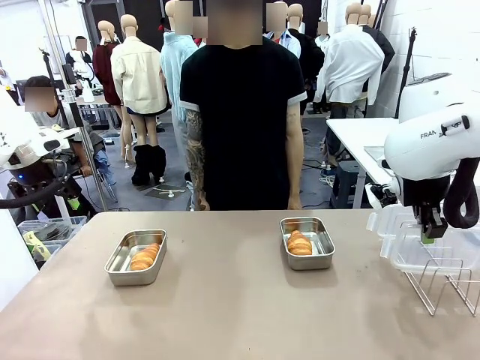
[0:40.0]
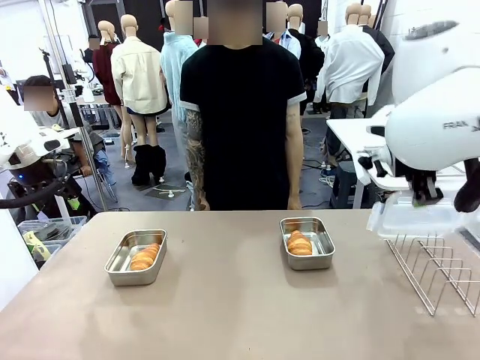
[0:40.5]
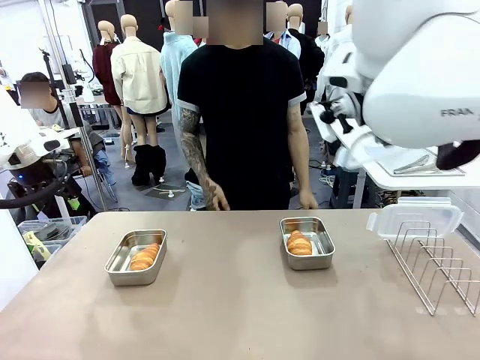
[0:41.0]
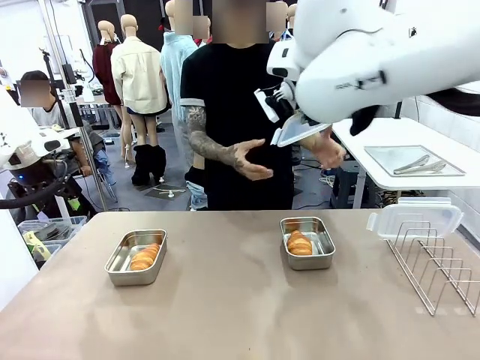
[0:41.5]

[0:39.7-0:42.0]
Task: Place the bread in airtight containers.
Robot: Release when the human grabs the Airtight Container lid.

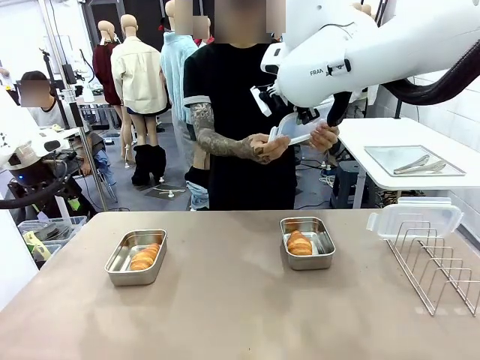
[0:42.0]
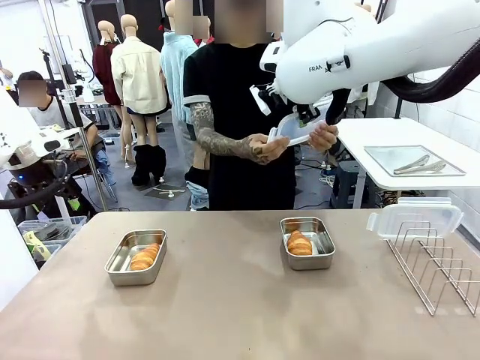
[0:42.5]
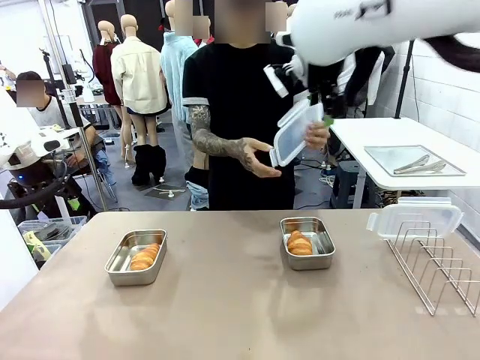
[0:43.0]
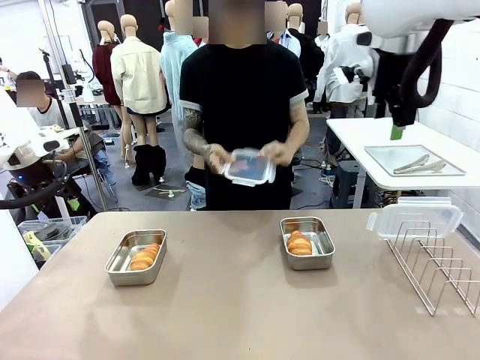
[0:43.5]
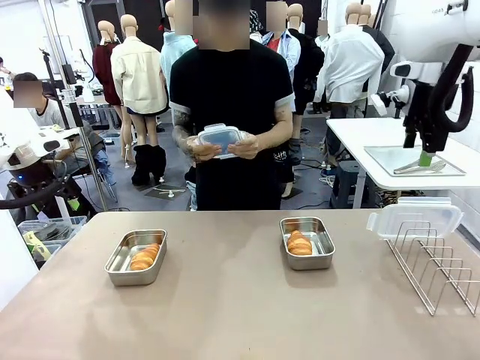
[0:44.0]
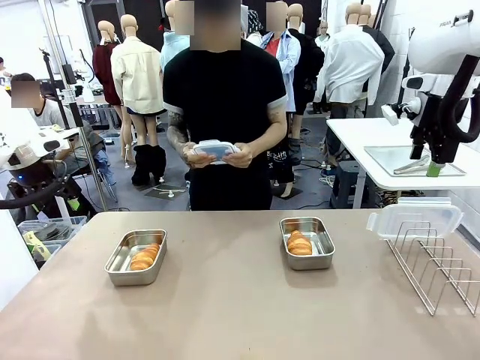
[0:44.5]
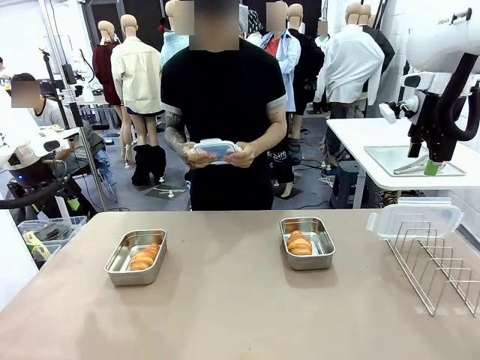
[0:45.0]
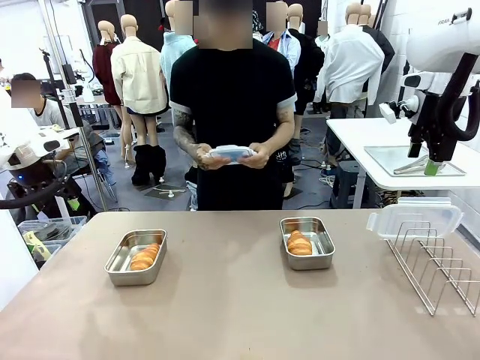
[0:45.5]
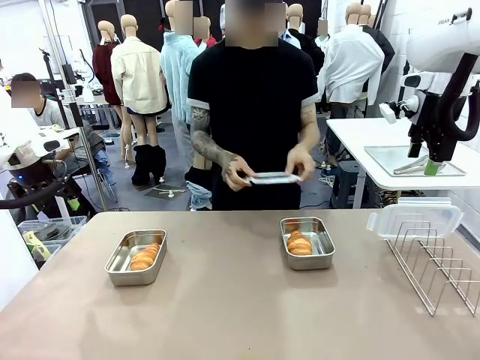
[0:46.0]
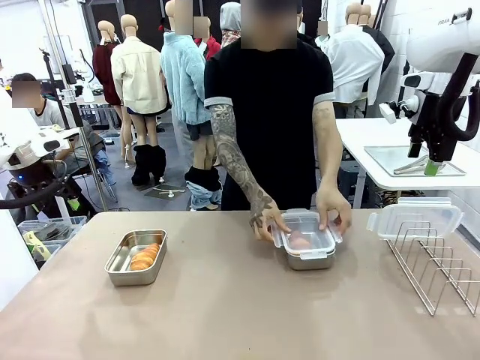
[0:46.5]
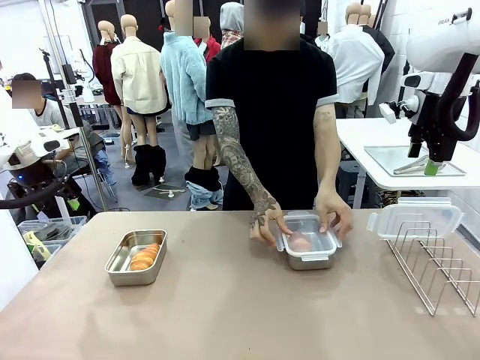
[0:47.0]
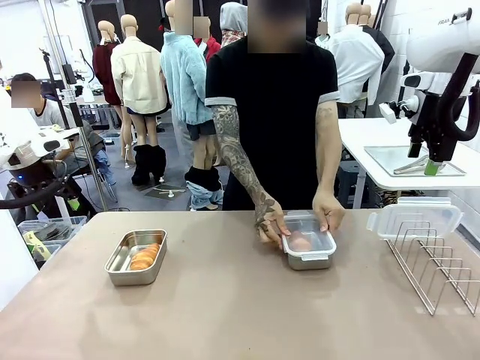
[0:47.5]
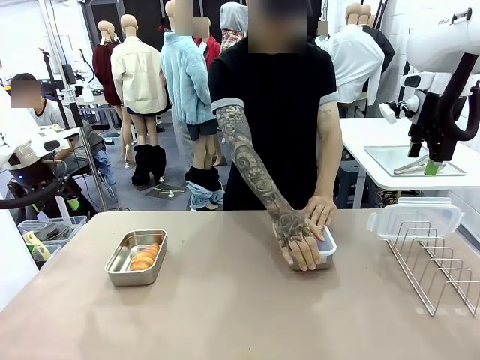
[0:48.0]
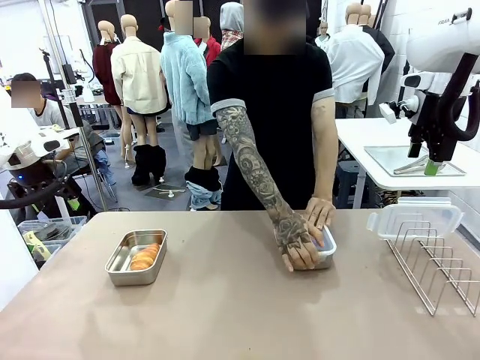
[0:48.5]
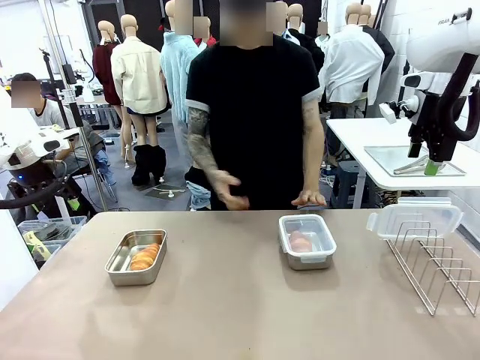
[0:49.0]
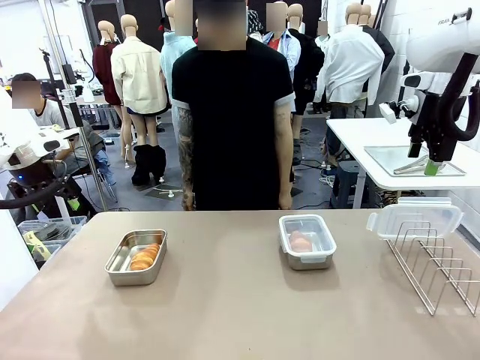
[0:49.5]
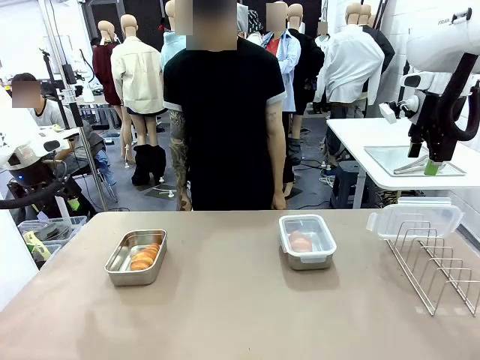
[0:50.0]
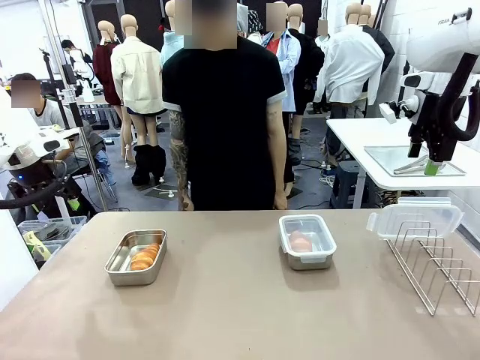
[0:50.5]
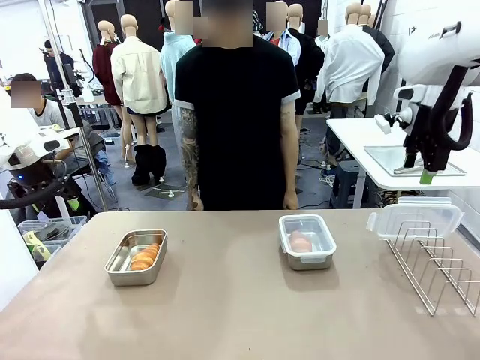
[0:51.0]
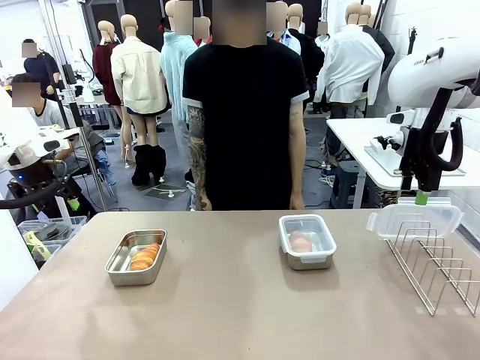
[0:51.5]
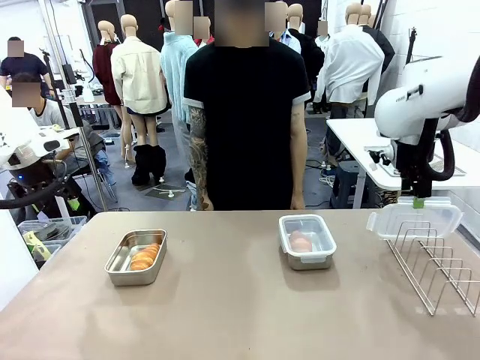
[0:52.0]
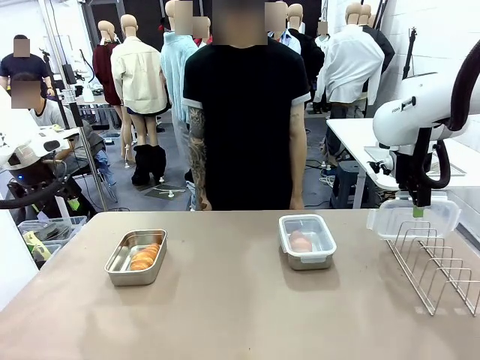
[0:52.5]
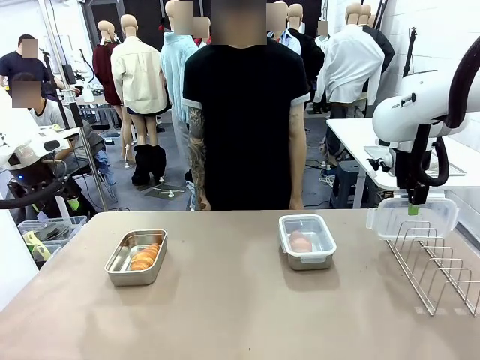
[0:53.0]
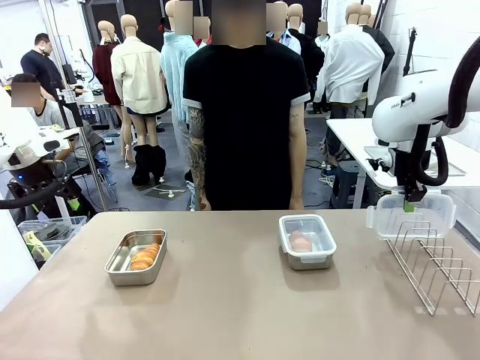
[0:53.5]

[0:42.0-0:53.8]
Robot: Pick up one Airtight Container lid and hand it to the human.
Person: Close Airtight Container with a handed Airtight Container lid.

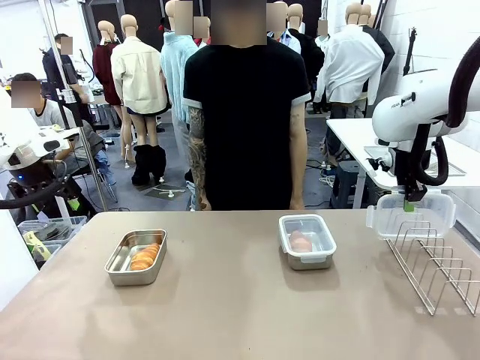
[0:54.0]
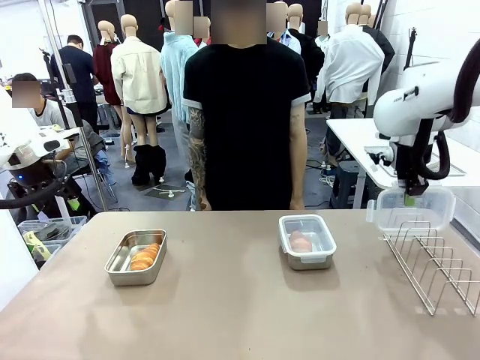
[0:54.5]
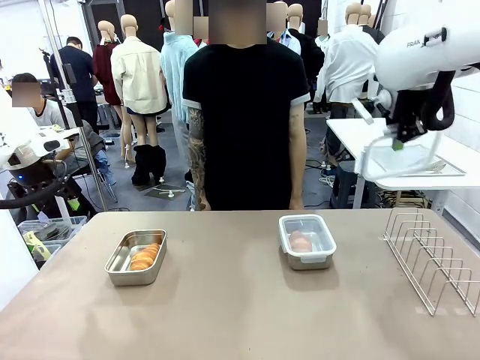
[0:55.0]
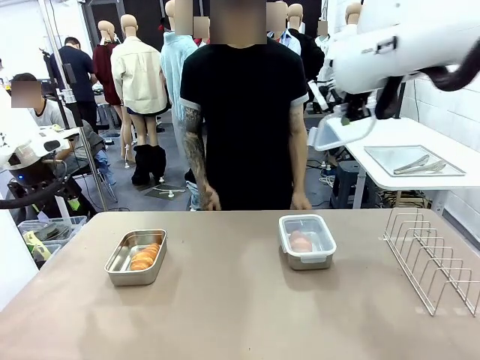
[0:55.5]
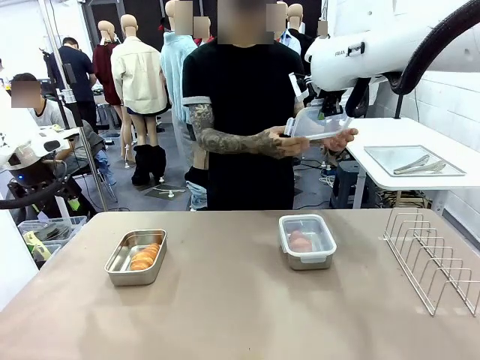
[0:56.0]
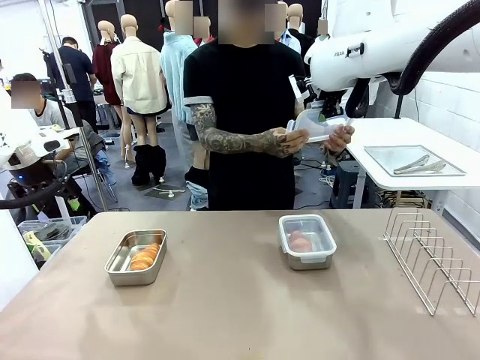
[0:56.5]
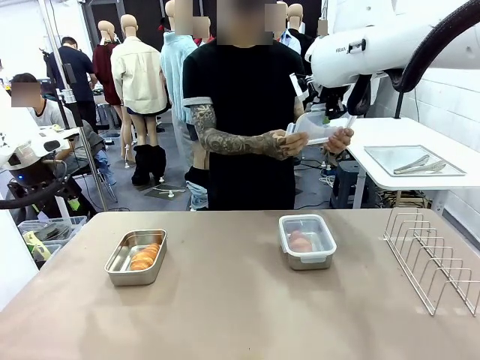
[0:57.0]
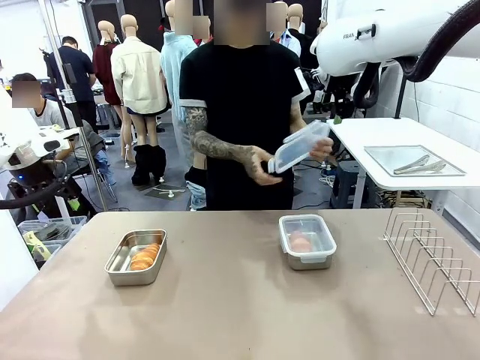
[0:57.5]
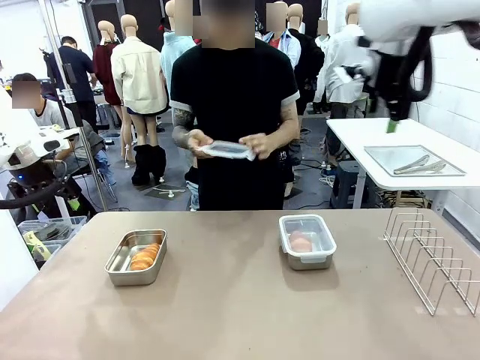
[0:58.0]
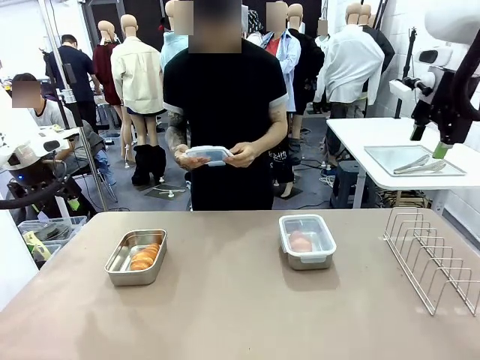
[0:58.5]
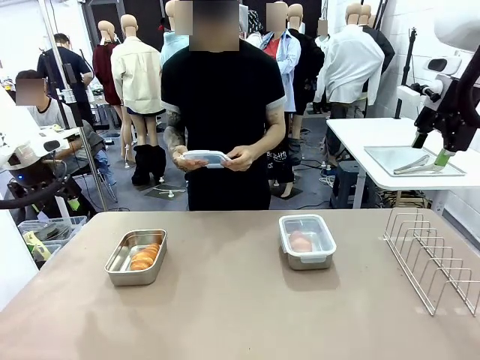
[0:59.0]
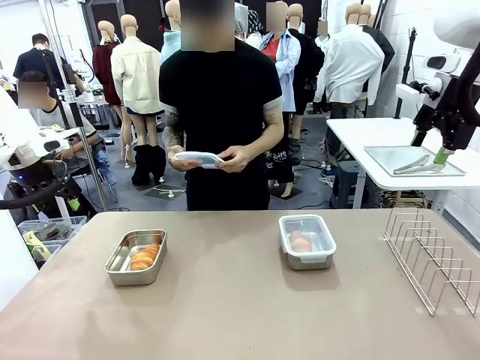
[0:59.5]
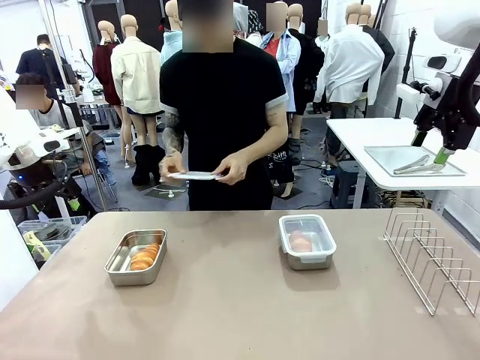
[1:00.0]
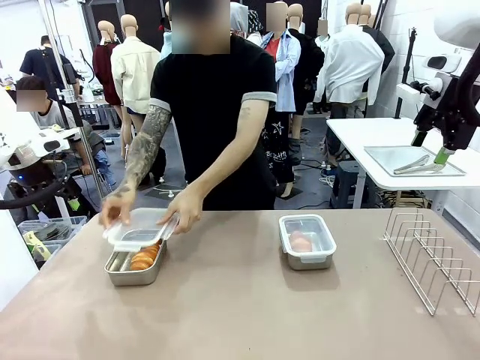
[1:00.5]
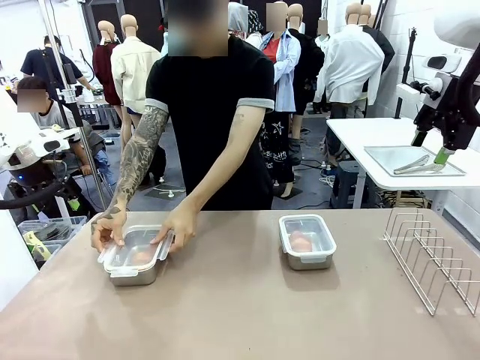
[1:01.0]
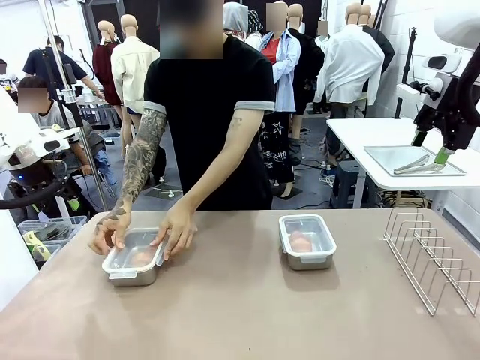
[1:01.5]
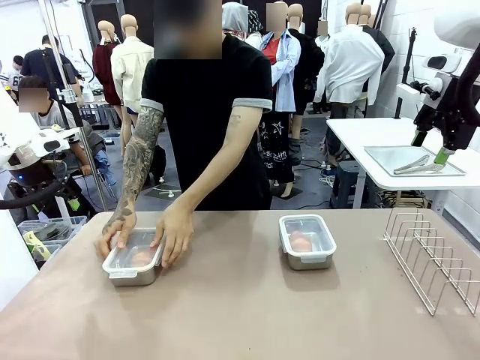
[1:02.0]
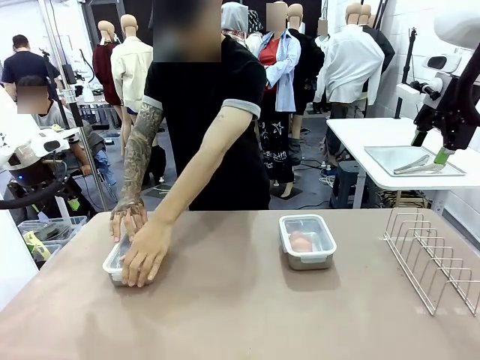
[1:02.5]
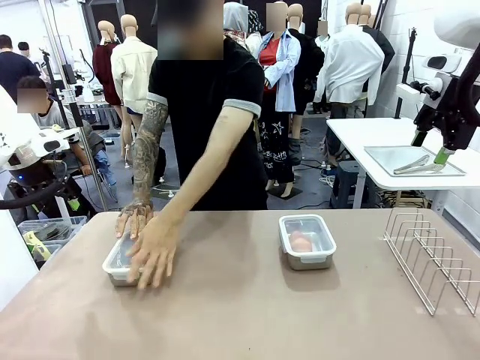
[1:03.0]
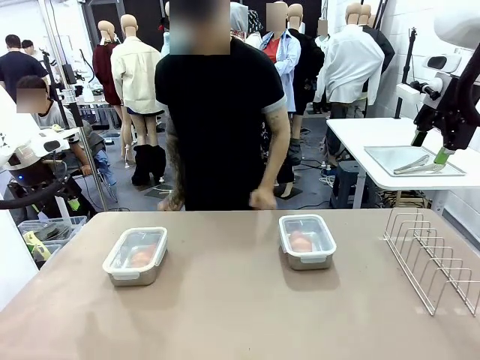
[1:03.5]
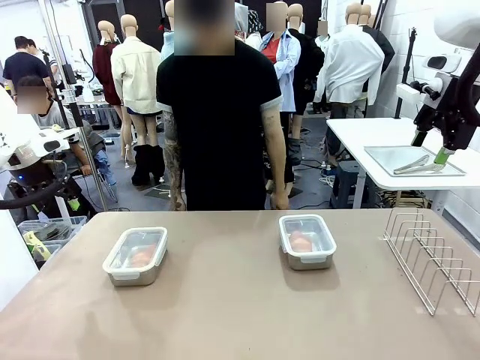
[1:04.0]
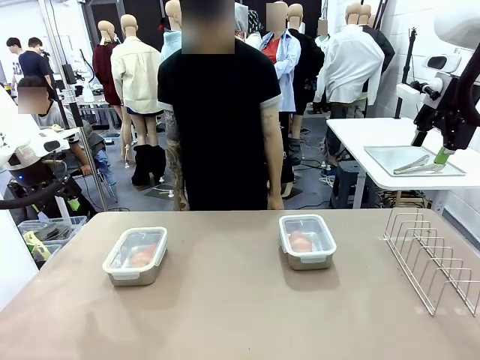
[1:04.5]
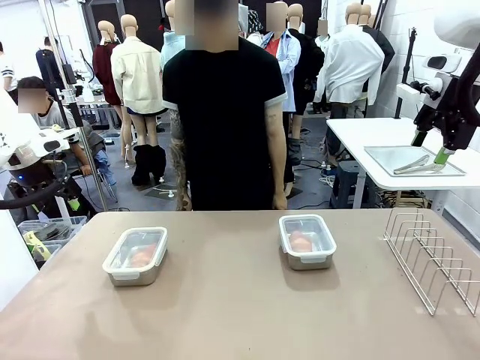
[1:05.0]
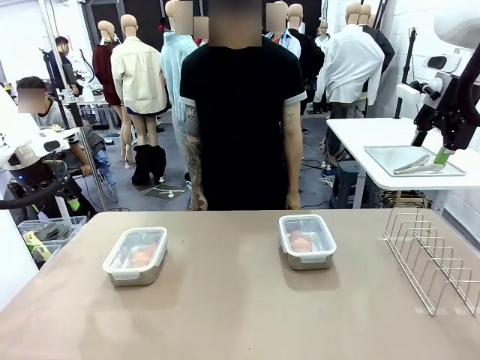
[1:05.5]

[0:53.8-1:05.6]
Robot: Release when the human grabs the Airtight Container lid.
Person: Grip Airtight Container lid that robot is handing. Close Airtight Container with a handed Airtight Container lid.
